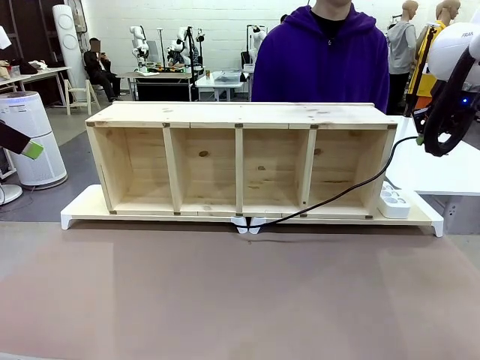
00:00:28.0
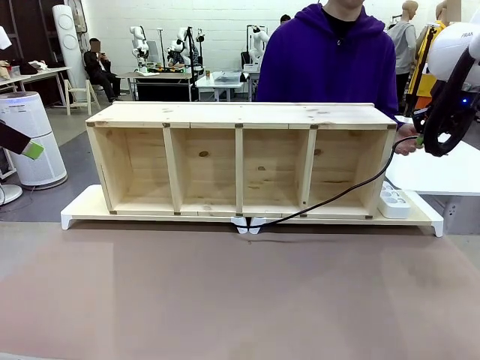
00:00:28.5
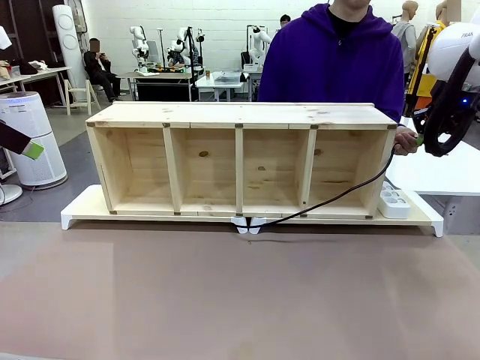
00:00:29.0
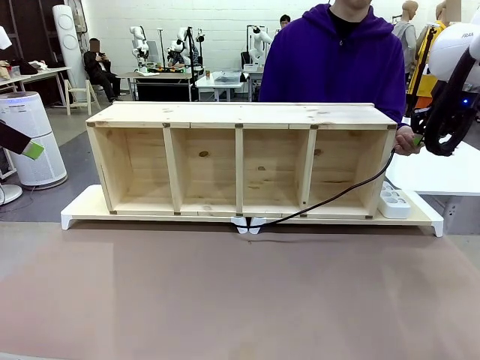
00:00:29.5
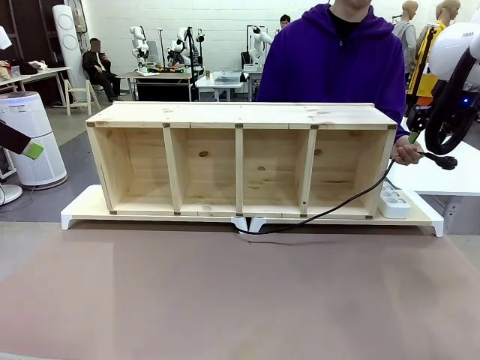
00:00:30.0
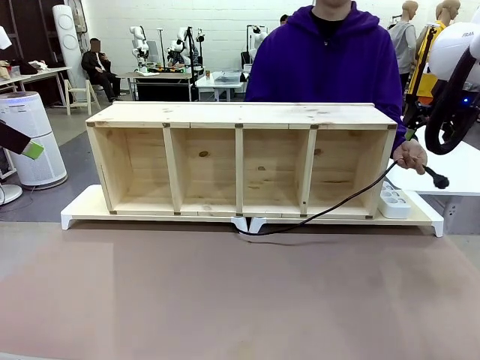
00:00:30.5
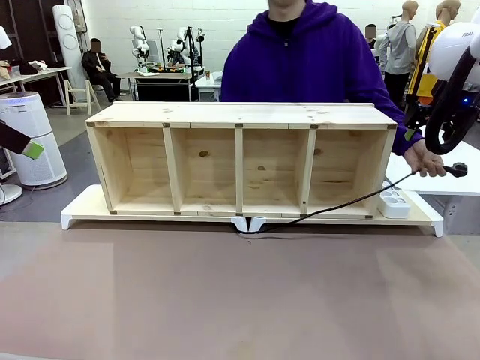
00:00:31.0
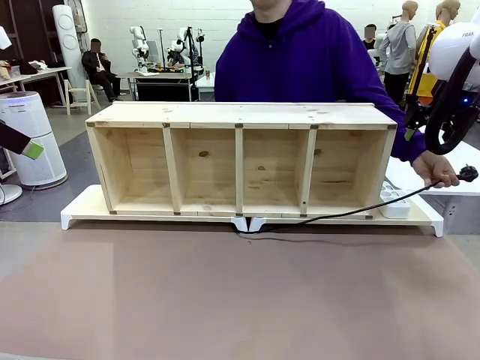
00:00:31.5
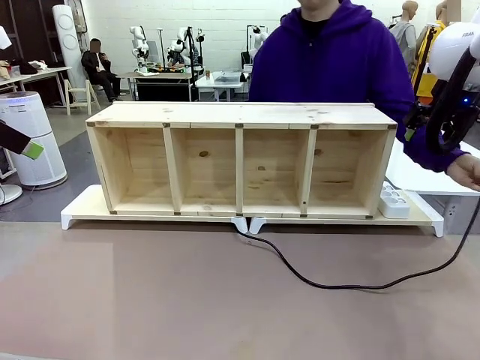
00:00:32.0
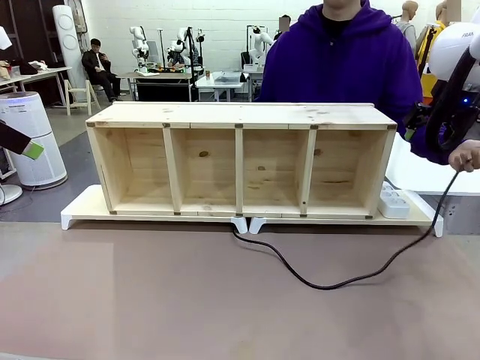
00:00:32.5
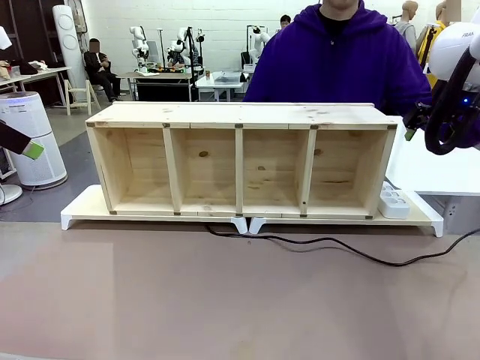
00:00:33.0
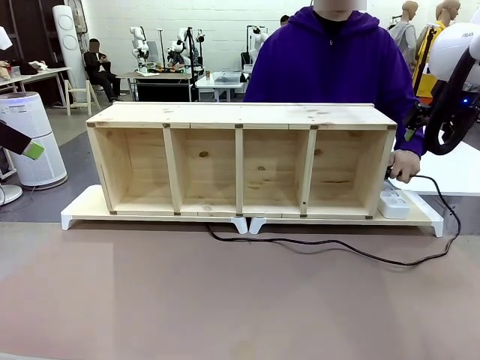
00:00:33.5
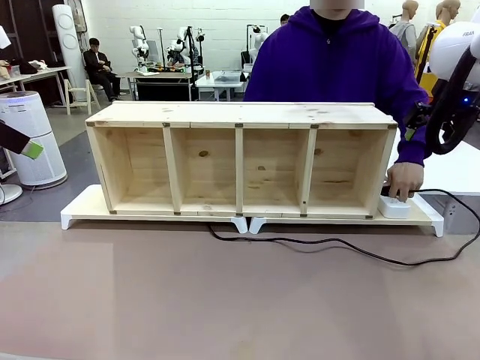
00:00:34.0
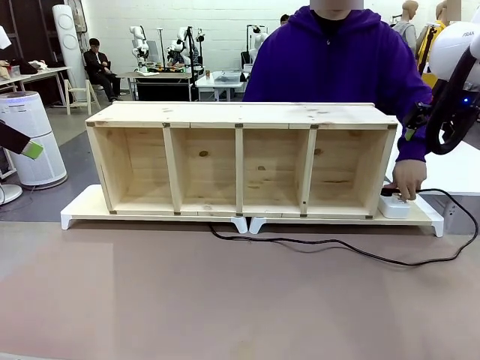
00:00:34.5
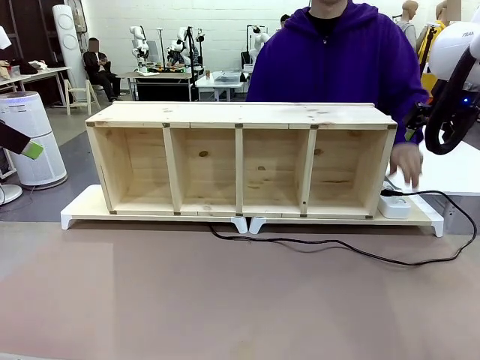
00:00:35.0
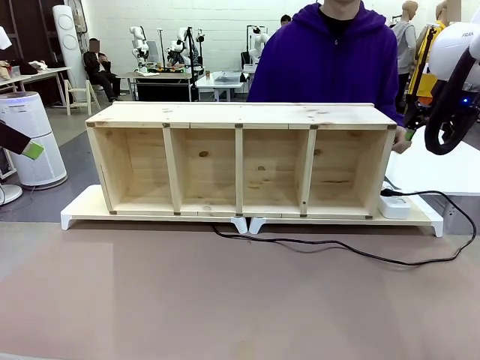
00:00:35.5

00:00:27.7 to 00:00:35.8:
Task: Perform cable management.
Robot: Release the Power Cable when the human grasps it.
Person: Plug the Power Cable into the Power Strip.

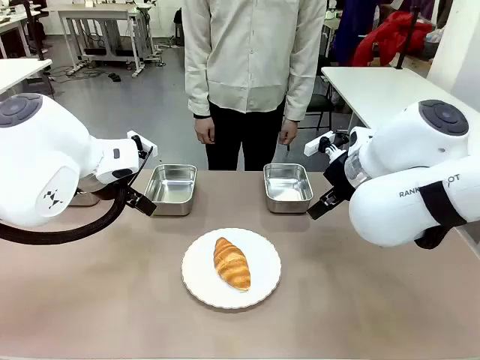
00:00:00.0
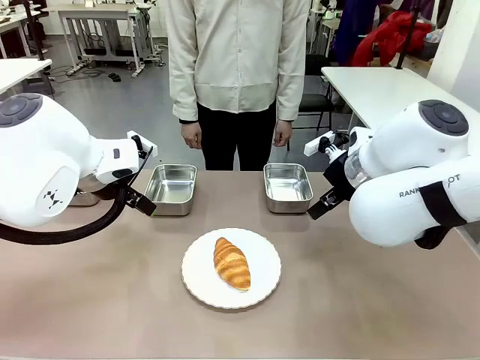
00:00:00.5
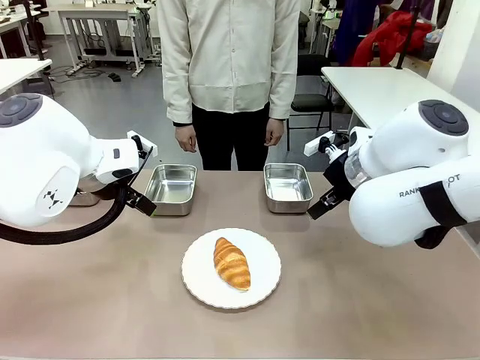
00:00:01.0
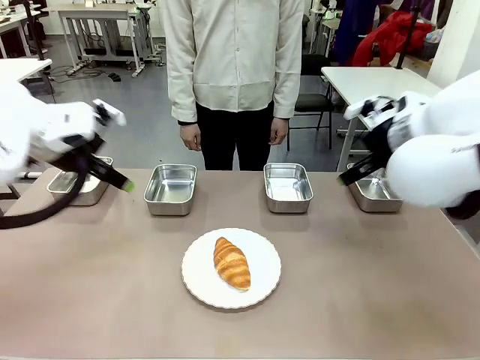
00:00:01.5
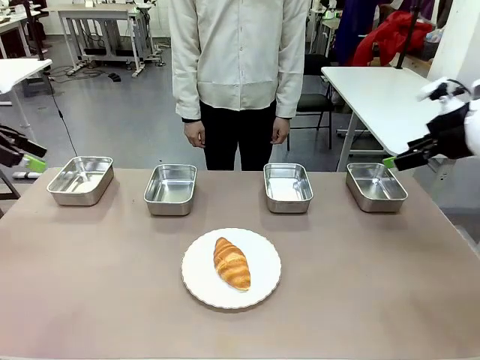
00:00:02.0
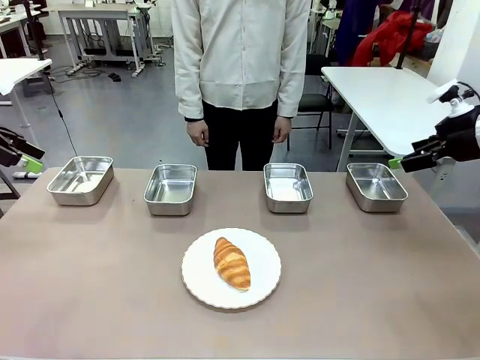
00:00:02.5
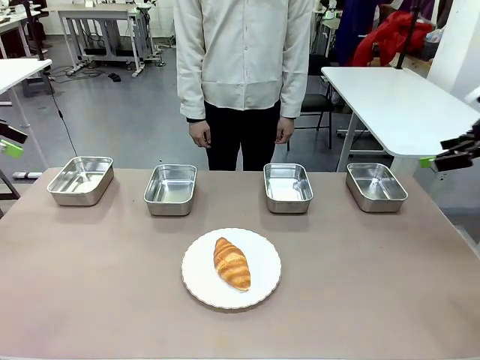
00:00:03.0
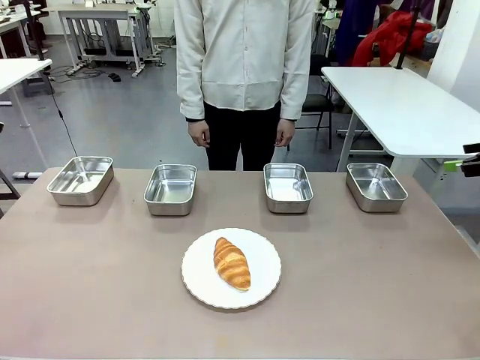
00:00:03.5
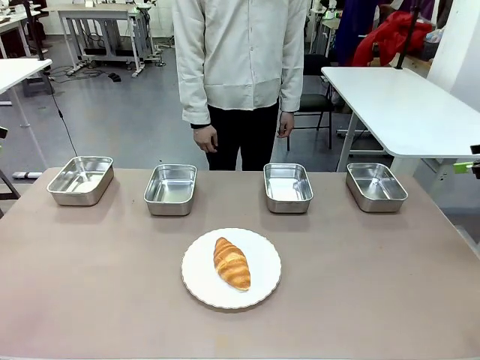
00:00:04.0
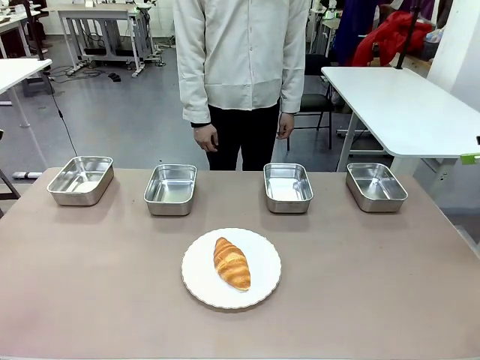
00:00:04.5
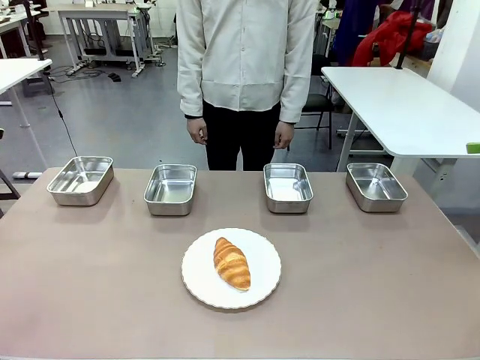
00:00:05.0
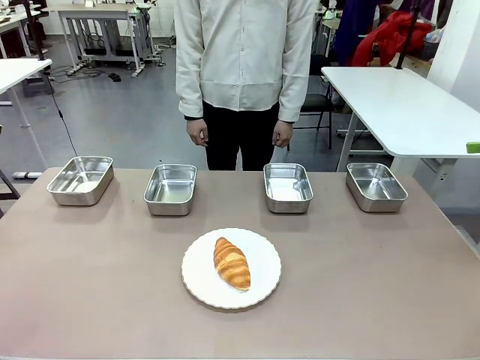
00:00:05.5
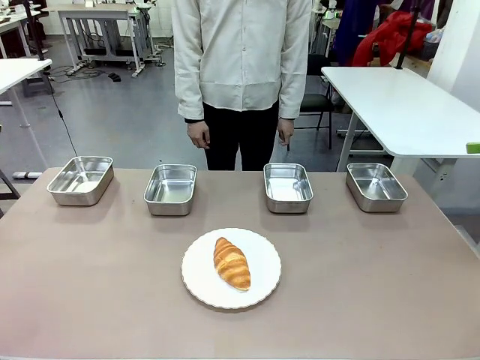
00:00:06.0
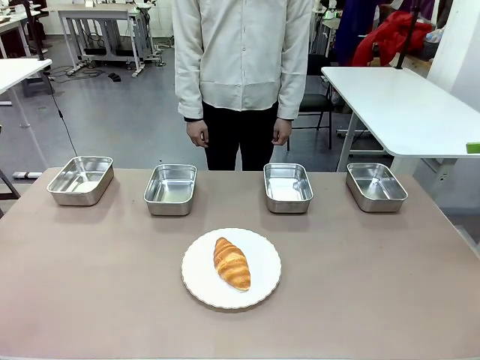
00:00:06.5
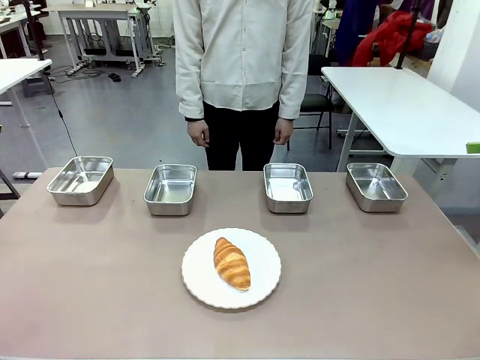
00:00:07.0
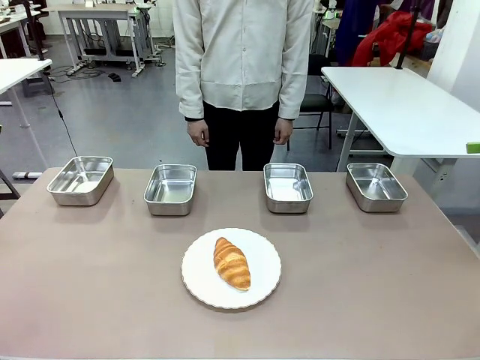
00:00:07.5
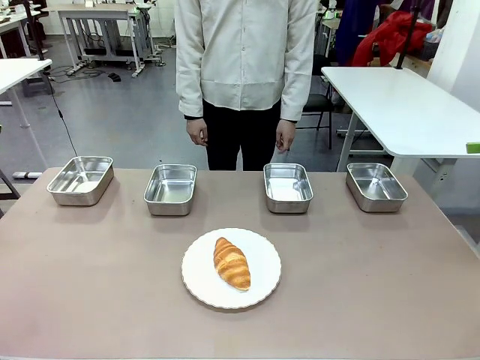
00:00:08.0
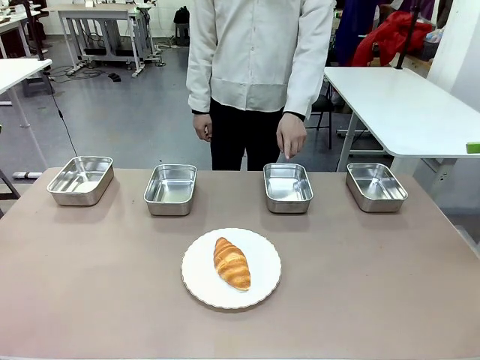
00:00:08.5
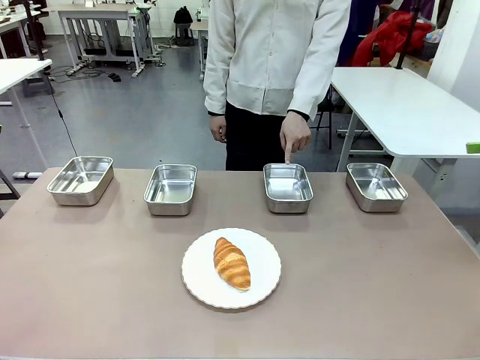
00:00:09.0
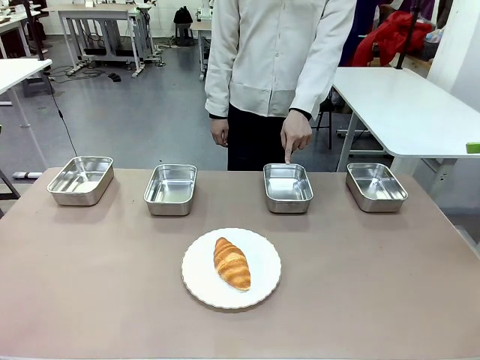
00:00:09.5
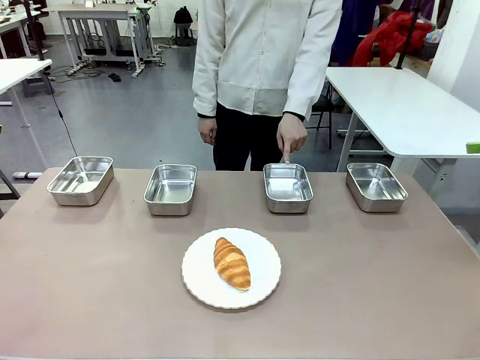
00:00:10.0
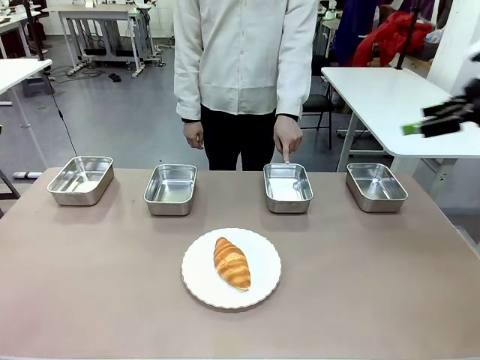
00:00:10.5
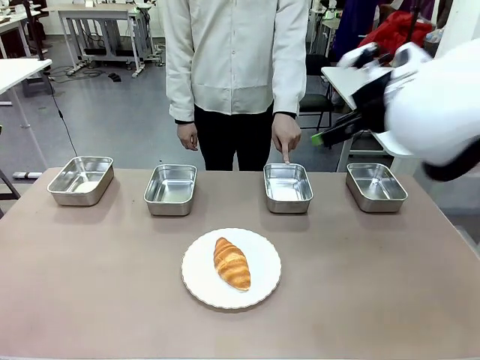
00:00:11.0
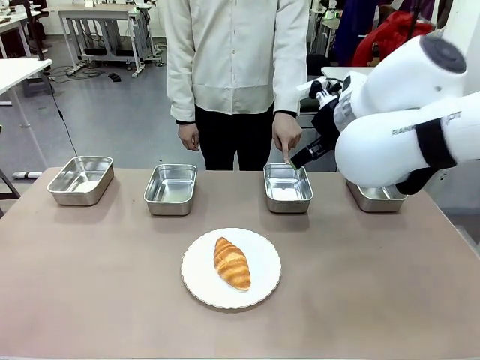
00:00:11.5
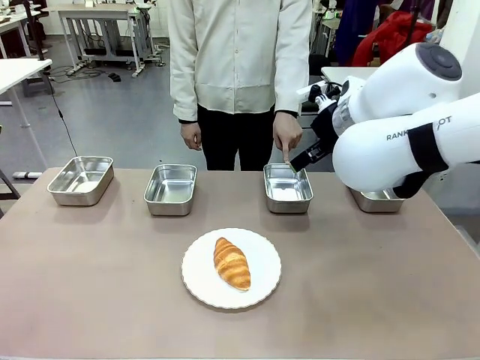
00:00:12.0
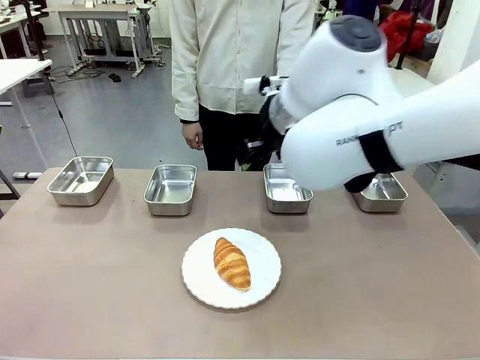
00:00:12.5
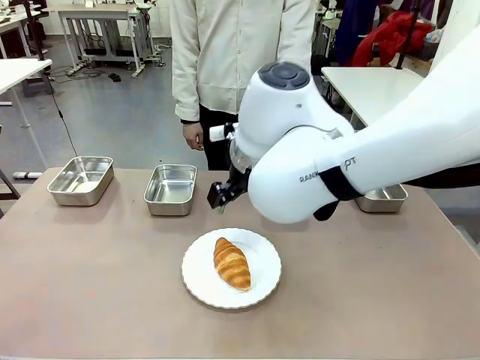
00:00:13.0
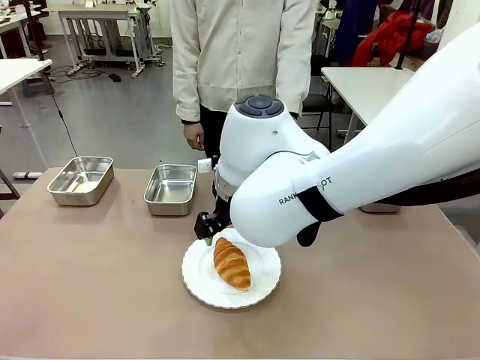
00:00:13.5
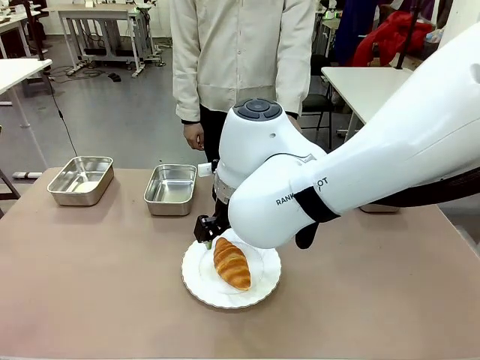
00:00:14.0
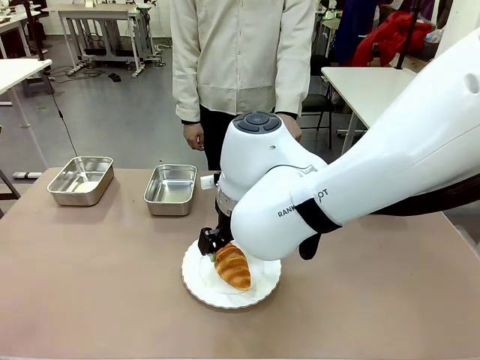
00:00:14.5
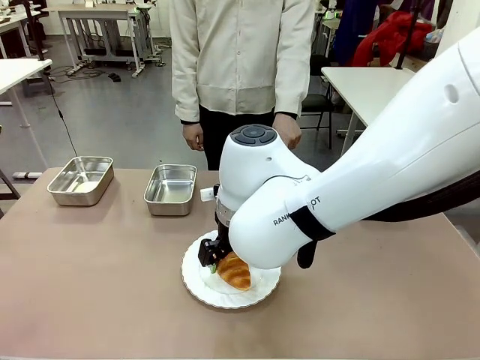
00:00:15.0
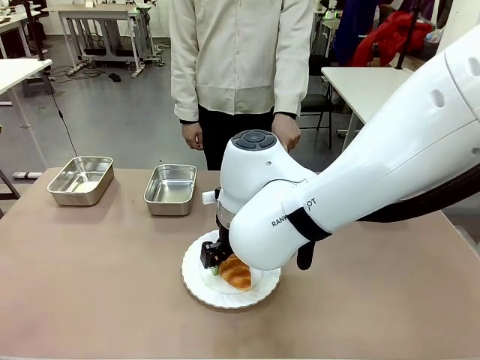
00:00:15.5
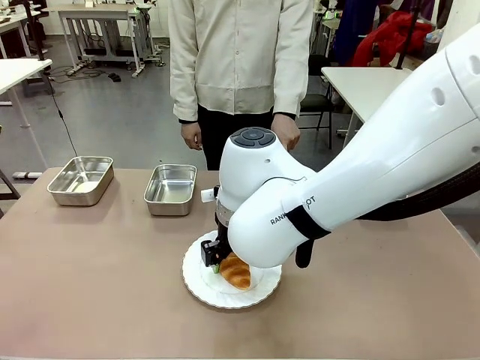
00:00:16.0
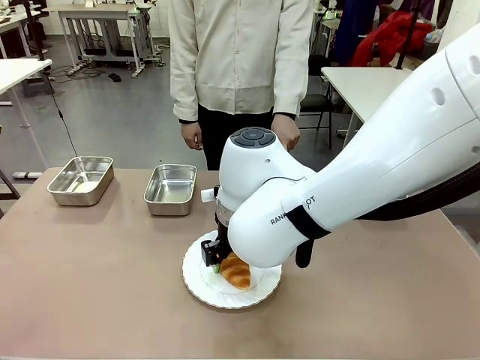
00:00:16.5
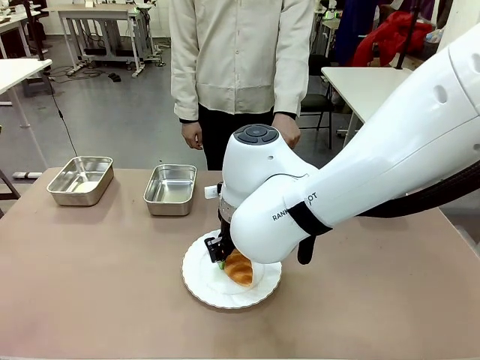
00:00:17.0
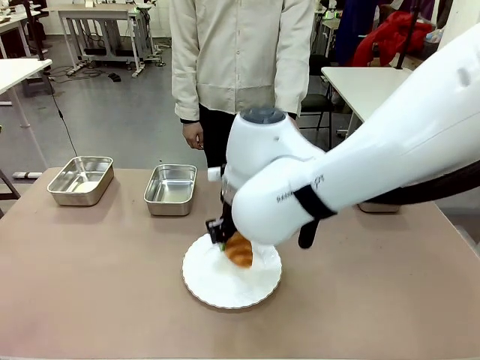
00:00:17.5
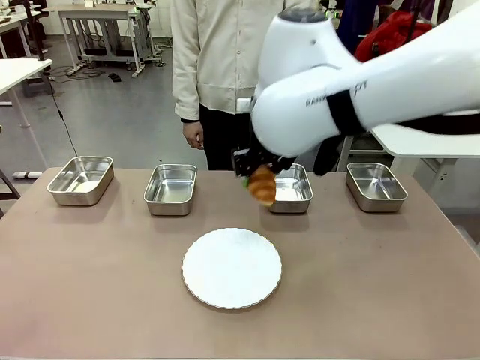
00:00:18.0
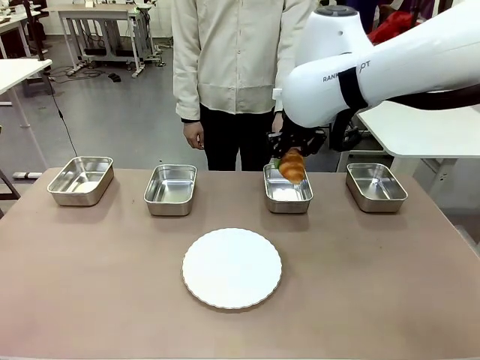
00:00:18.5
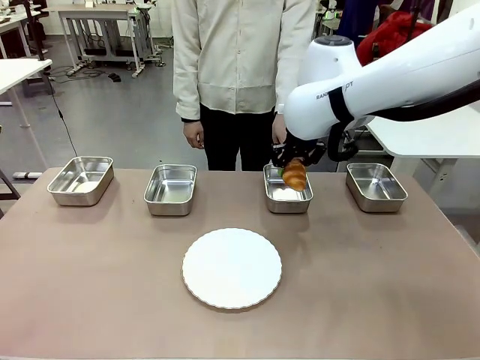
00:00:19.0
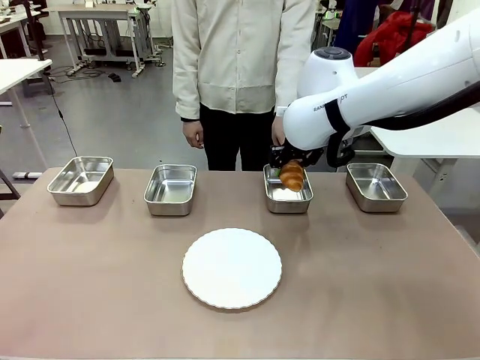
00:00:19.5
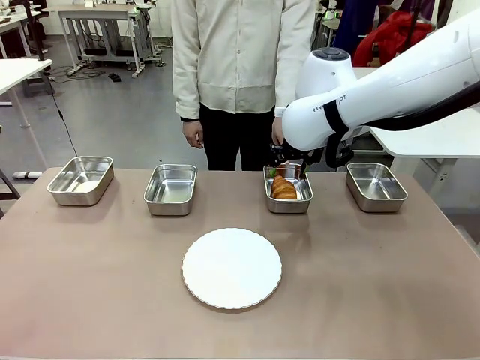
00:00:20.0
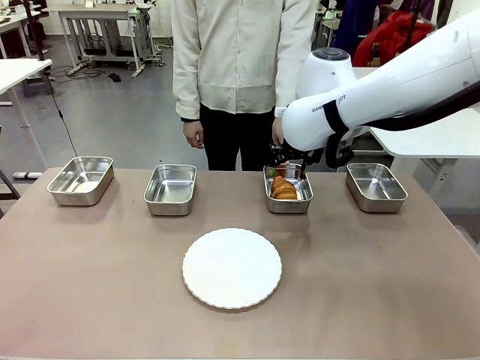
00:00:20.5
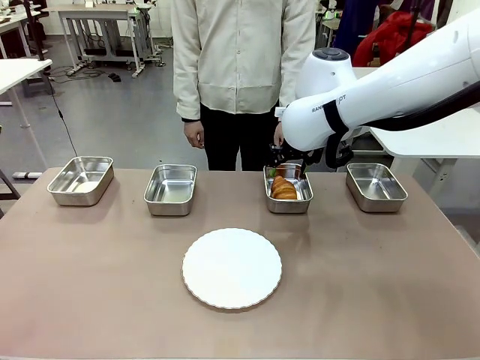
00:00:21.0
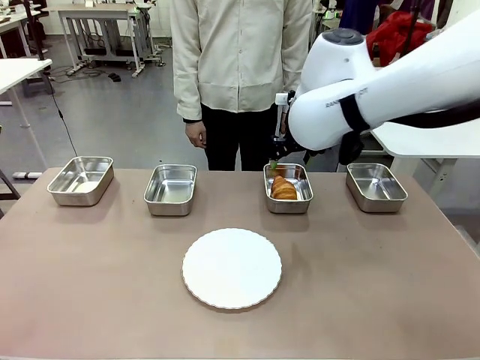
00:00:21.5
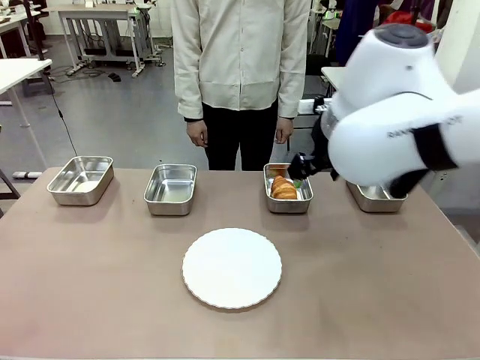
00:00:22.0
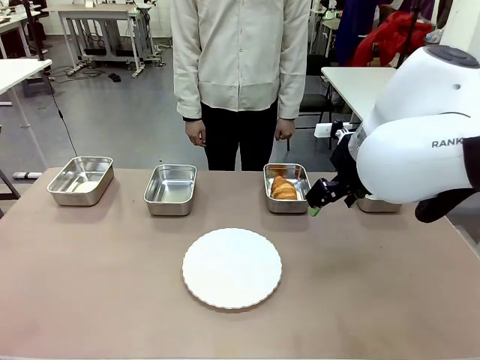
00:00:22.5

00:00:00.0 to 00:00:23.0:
Task: Place the bread in the container.
Robot: Place the Butter Roll into the Airtight Container indicated by the human.
Person: A person randomly selects and points to an Airtight Container.
